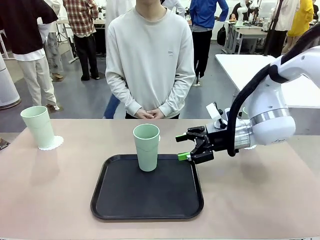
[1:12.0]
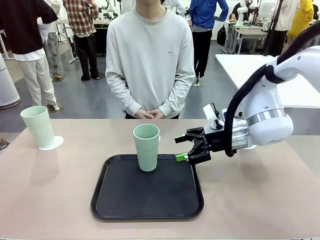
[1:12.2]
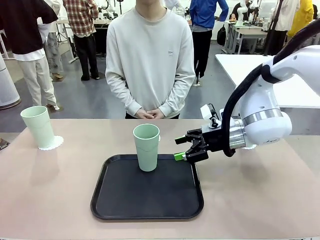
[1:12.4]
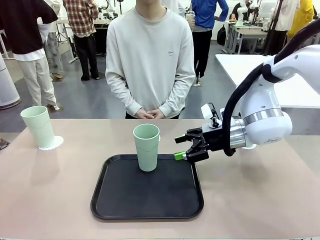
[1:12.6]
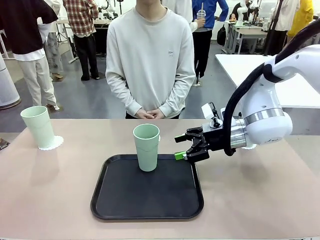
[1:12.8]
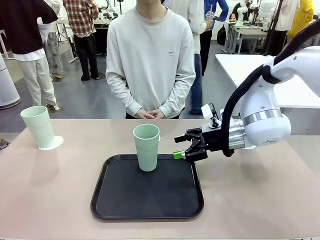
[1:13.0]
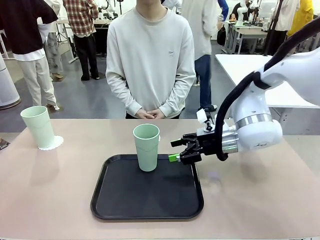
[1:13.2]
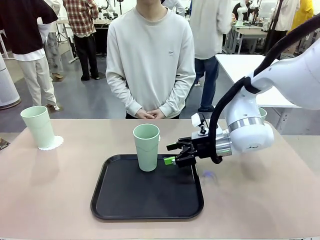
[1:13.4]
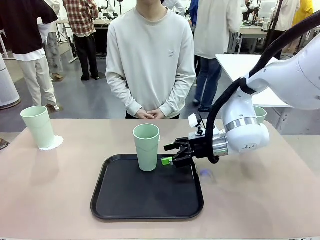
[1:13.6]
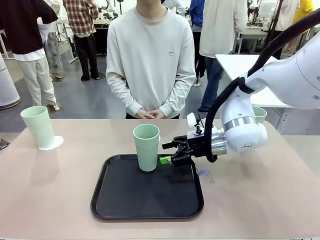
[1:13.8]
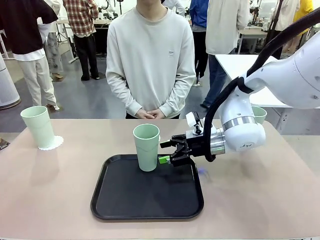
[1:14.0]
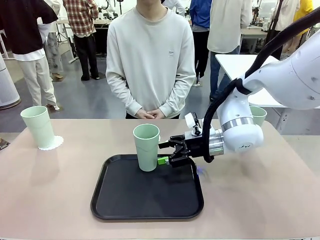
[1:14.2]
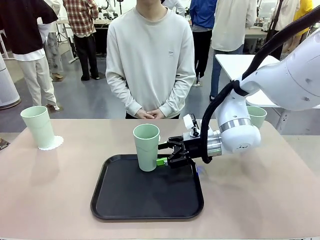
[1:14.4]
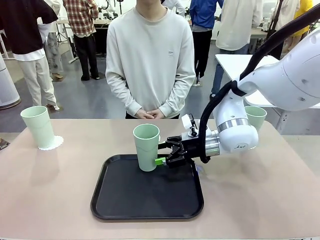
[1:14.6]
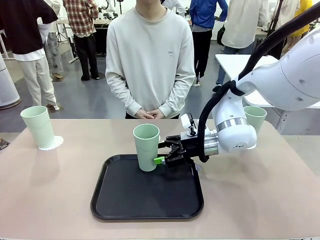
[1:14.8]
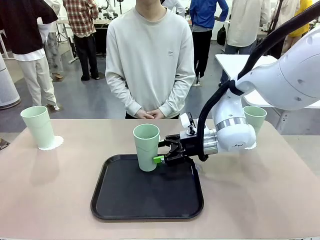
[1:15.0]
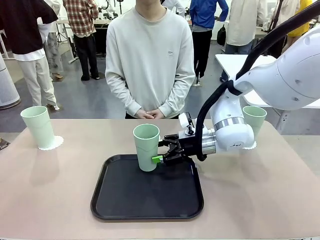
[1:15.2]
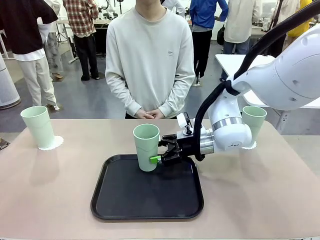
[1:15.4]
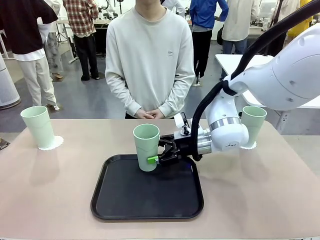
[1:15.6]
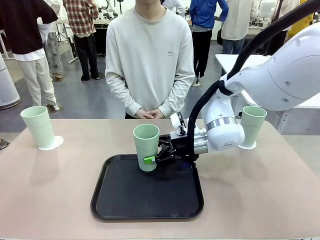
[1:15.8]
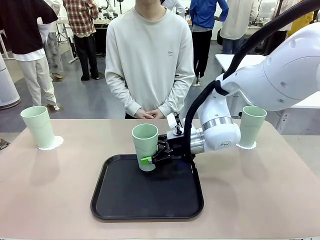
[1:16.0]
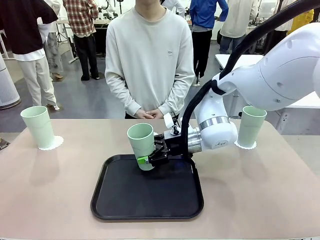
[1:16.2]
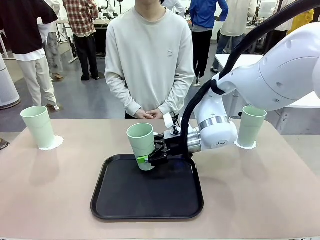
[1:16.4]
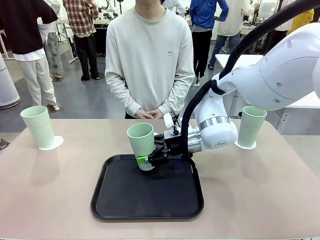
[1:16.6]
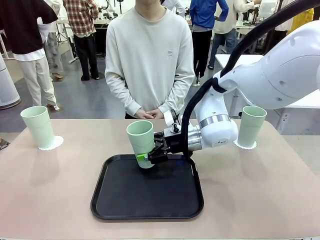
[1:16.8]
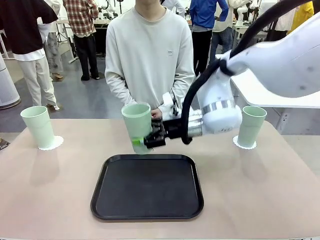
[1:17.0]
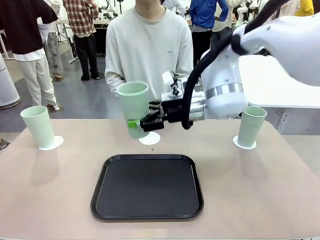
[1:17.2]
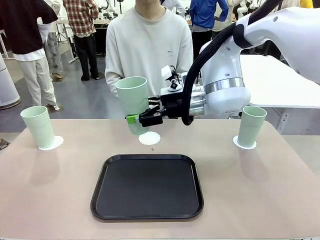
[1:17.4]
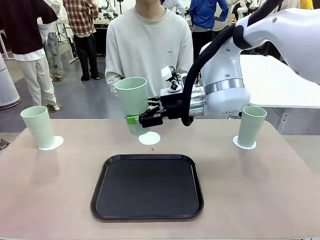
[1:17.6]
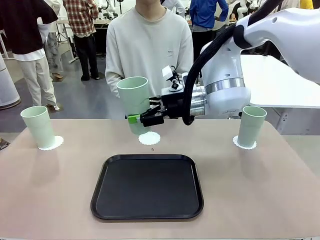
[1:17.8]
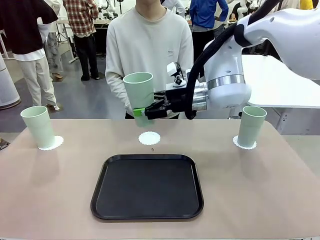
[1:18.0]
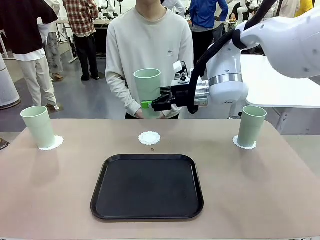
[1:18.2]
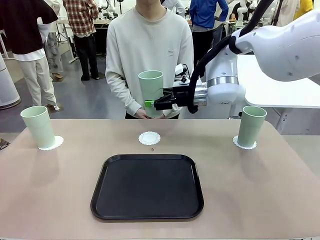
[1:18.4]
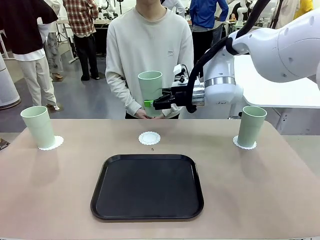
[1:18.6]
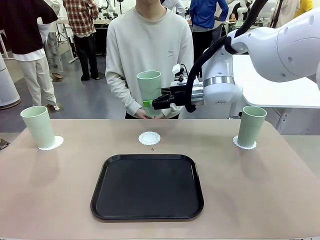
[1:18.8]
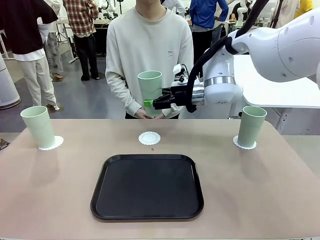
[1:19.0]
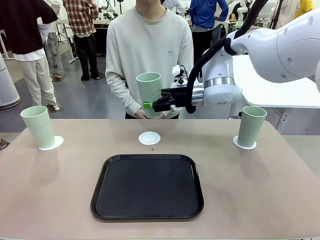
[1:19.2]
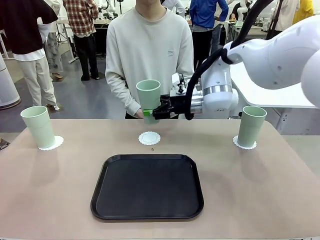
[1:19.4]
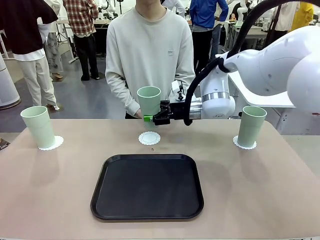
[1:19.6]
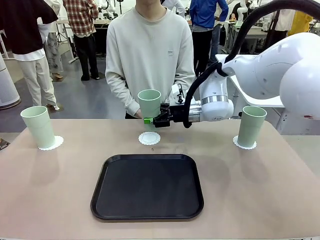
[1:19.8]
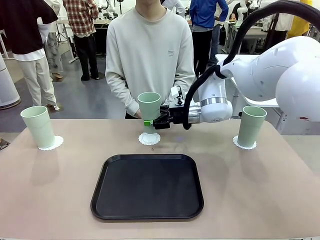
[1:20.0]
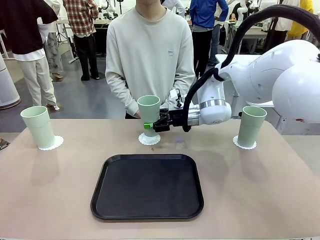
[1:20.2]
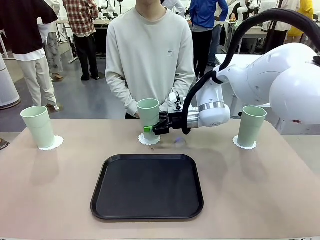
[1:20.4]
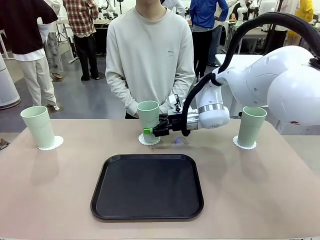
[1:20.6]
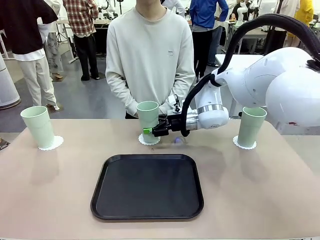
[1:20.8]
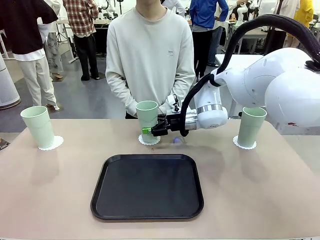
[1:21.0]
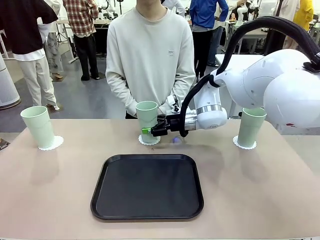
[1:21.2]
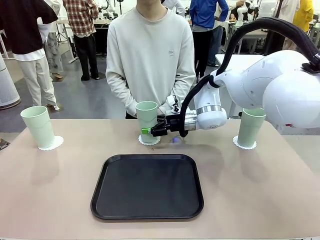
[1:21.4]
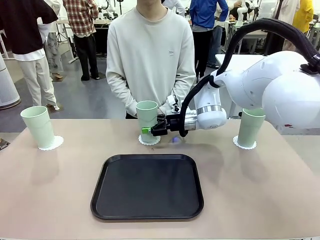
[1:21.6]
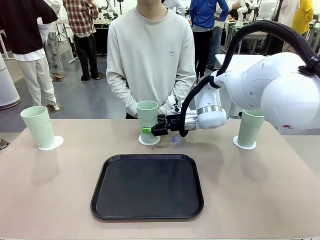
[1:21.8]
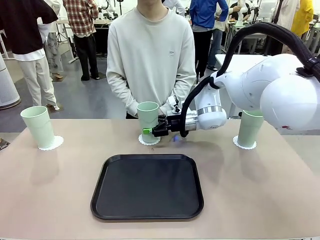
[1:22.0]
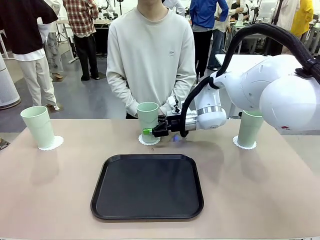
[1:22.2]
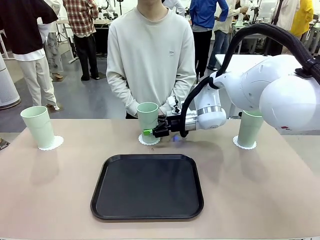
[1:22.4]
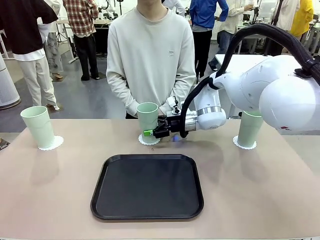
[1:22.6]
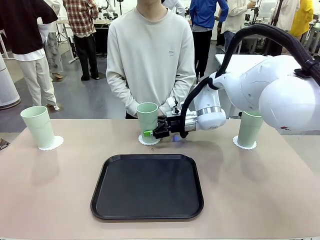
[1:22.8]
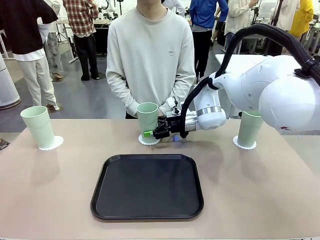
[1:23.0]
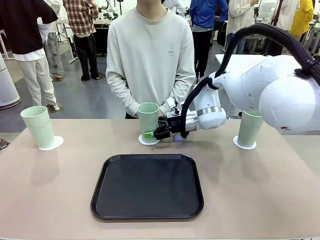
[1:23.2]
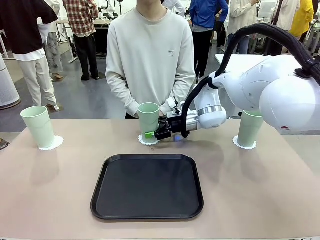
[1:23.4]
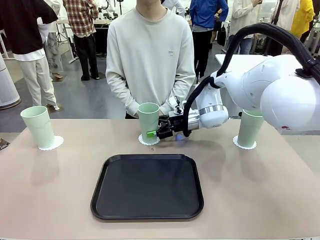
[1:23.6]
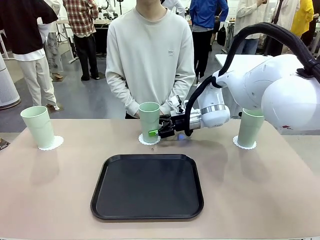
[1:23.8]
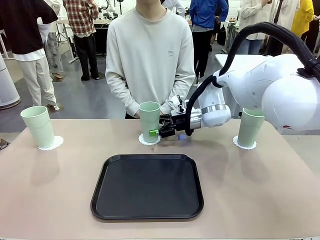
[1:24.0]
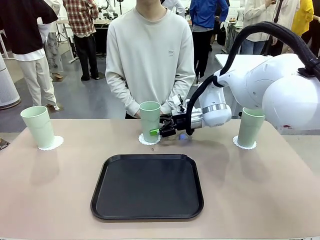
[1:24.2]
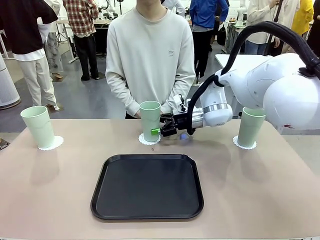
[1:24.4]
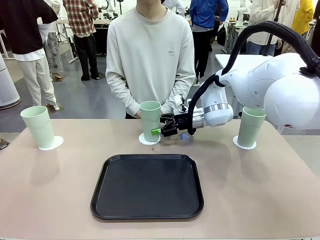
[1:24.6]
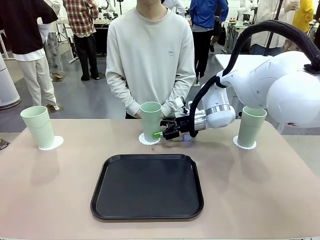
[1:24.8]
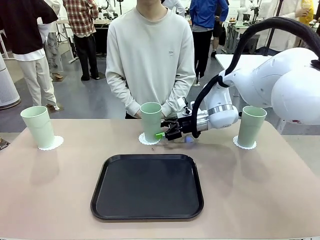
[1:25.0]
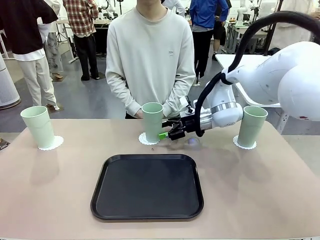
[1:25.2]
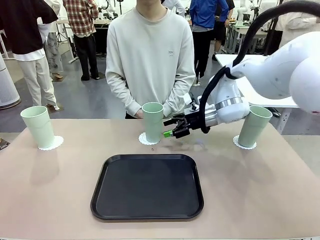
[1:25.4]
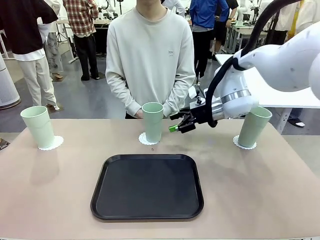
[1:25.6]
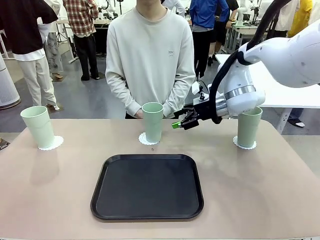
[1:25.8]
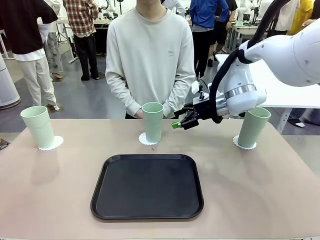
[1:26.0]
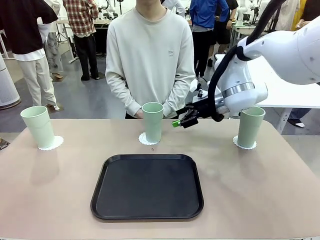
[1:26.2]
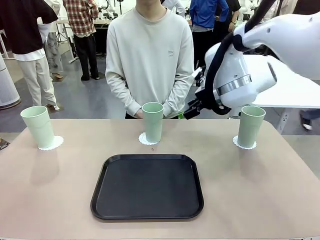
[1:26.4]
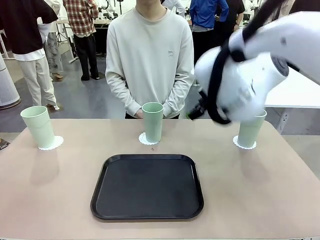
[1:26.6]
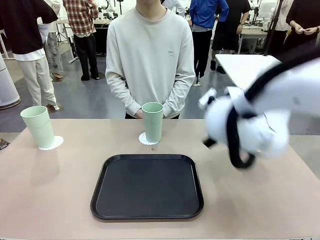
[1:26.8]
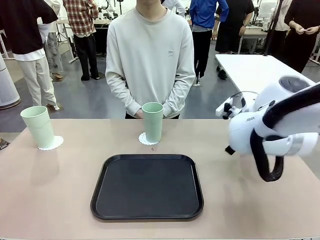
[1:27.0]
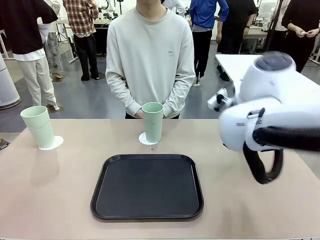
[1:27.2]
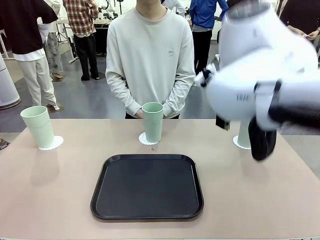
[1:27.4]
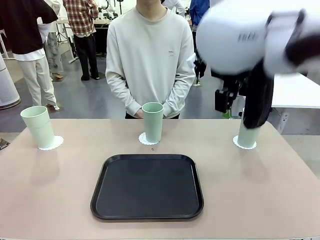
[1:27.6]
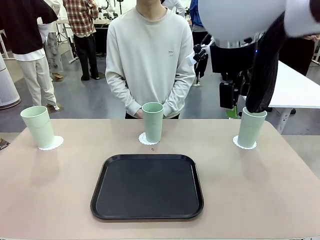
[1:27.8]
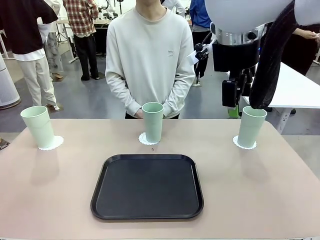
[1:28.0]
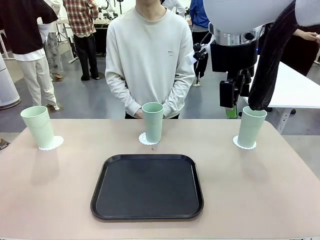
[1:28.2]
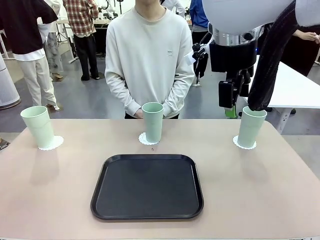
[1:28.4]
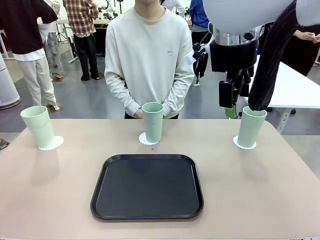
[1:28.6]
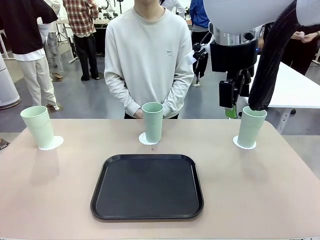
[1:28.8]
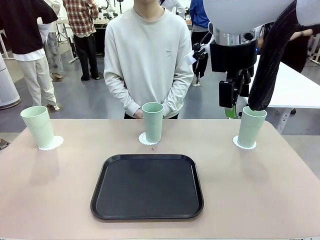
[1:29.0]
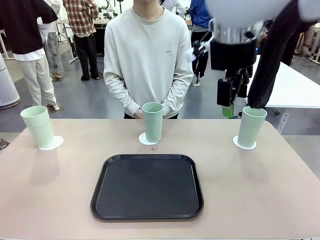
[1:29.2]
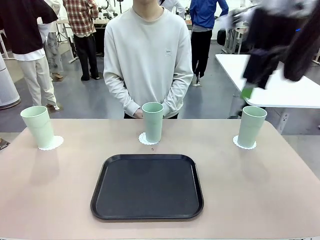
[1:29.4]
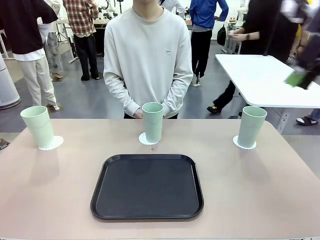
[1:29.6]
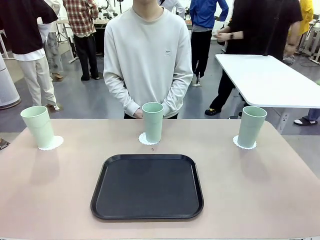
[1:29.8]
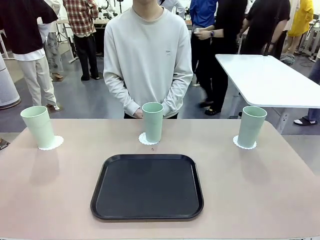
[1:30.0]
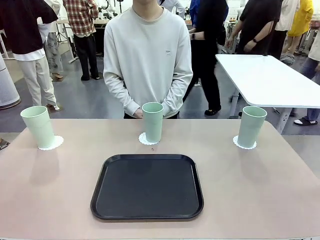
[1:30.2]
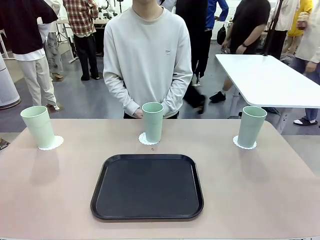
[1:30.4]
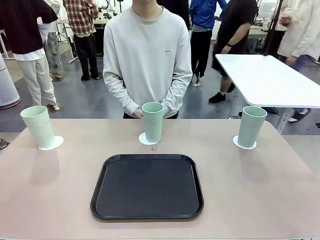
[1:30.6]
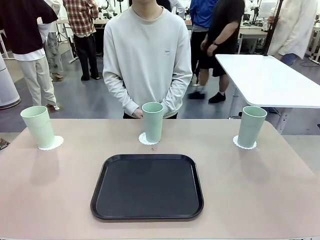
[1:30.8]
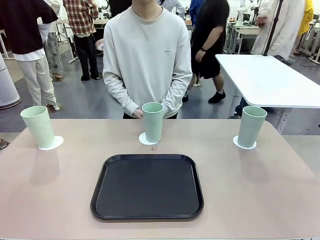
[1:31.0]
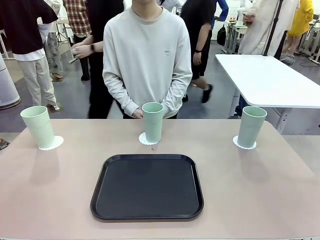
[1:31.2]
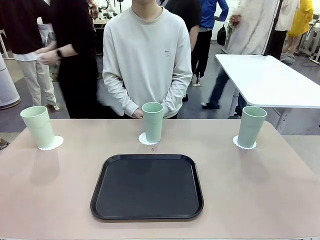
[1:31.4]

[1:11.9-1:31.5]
Task: Place coasters on the table and set cups on them.
Robot: Take one Reusable plastic cup from the Flat Tray and place it on a coaster set by the human.
